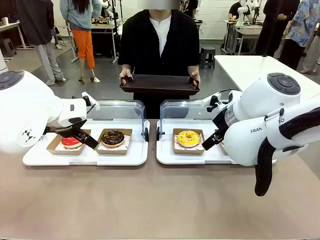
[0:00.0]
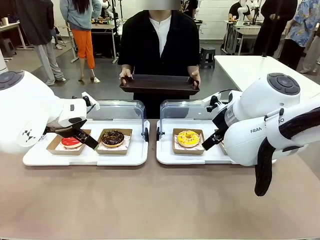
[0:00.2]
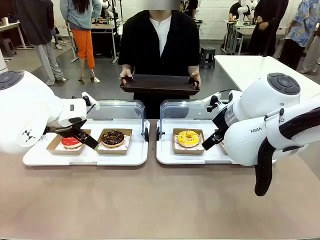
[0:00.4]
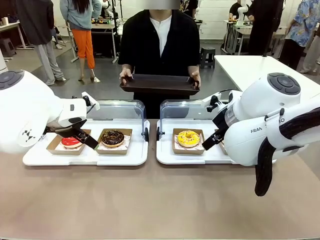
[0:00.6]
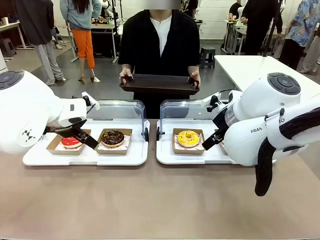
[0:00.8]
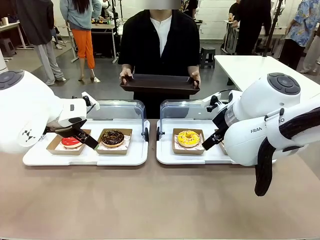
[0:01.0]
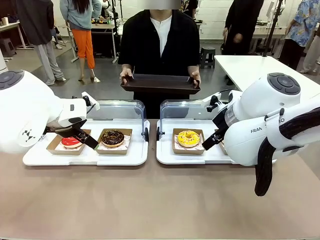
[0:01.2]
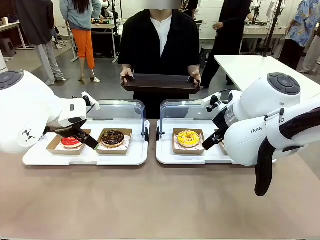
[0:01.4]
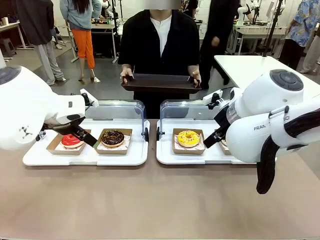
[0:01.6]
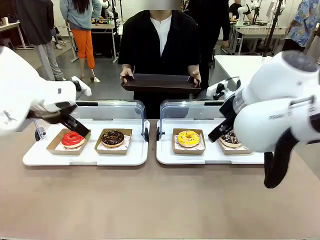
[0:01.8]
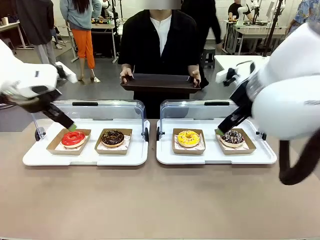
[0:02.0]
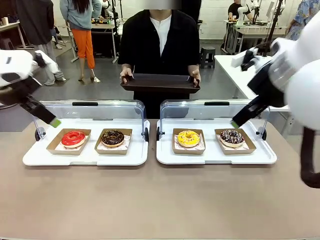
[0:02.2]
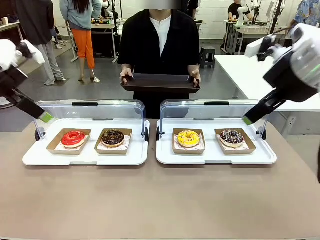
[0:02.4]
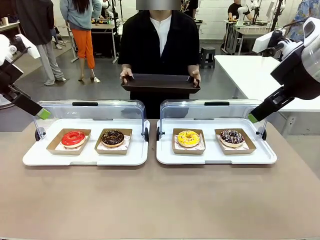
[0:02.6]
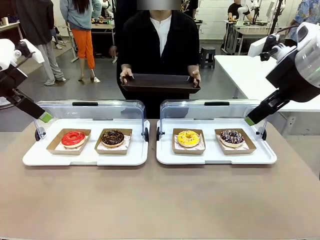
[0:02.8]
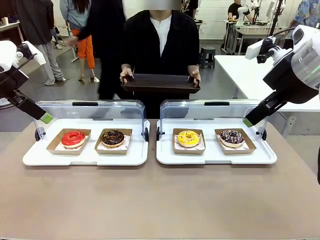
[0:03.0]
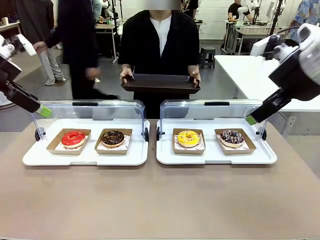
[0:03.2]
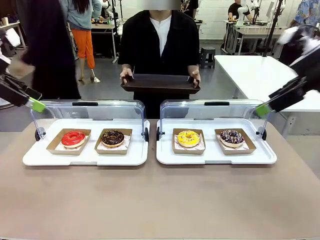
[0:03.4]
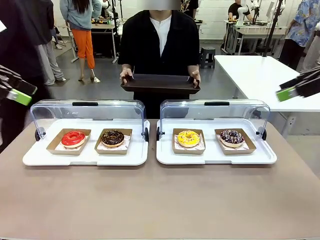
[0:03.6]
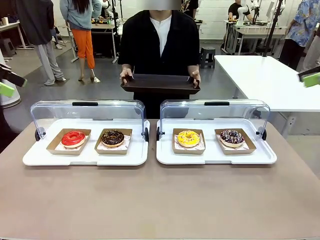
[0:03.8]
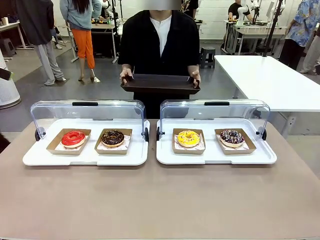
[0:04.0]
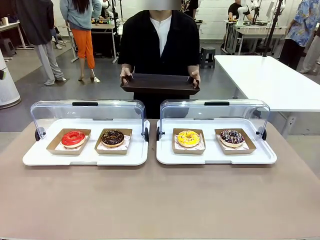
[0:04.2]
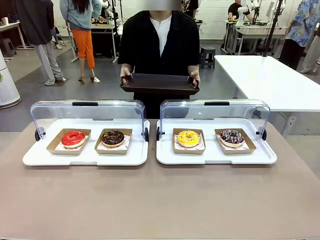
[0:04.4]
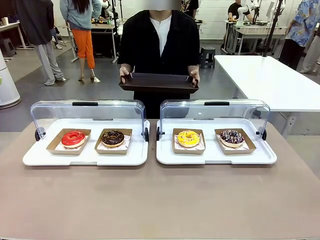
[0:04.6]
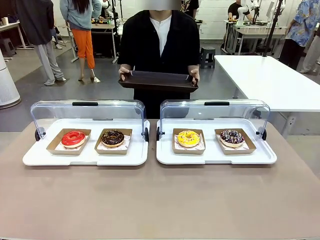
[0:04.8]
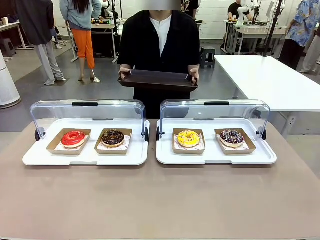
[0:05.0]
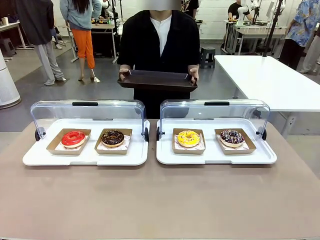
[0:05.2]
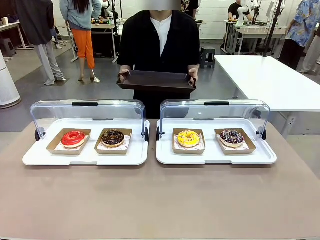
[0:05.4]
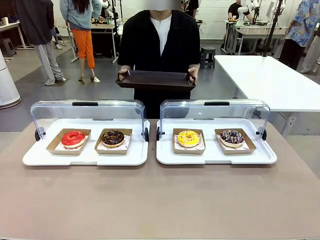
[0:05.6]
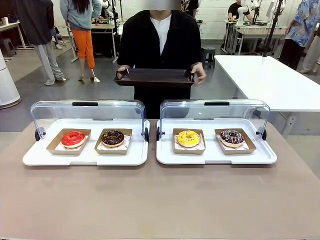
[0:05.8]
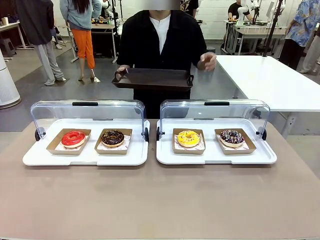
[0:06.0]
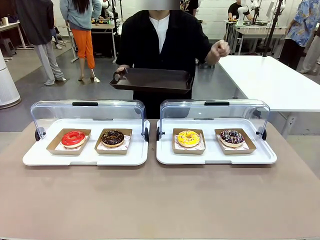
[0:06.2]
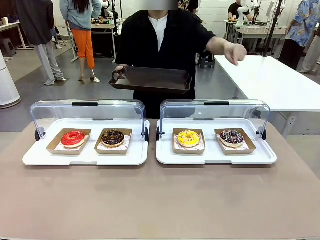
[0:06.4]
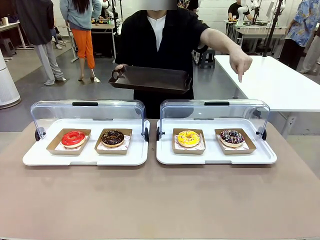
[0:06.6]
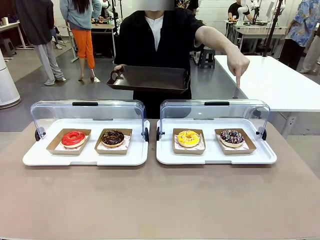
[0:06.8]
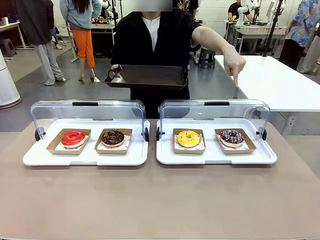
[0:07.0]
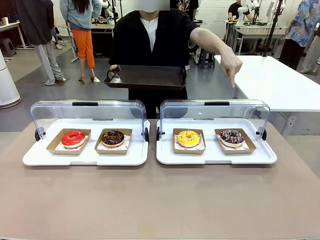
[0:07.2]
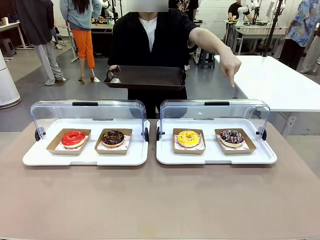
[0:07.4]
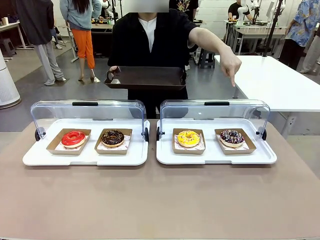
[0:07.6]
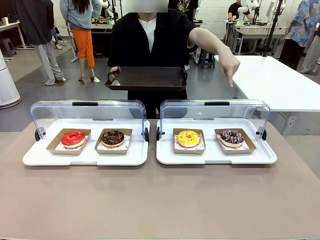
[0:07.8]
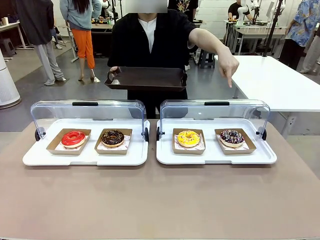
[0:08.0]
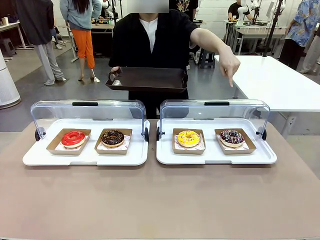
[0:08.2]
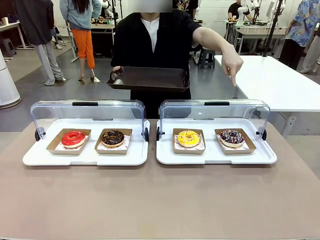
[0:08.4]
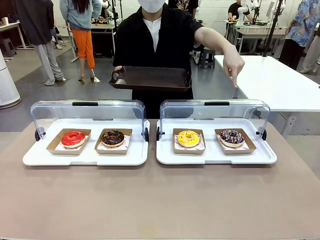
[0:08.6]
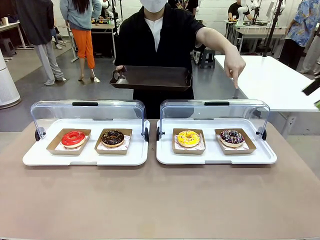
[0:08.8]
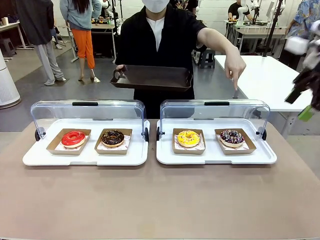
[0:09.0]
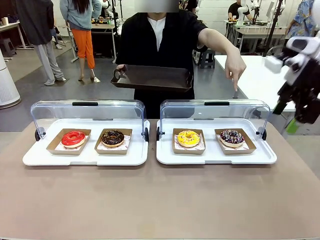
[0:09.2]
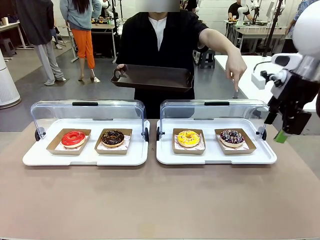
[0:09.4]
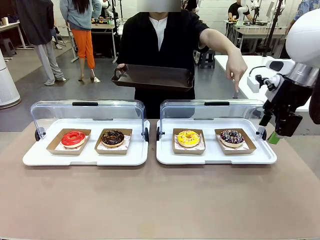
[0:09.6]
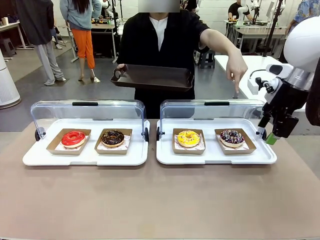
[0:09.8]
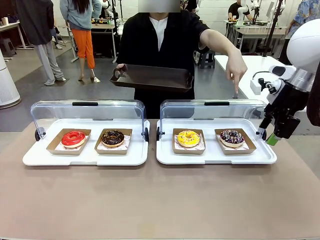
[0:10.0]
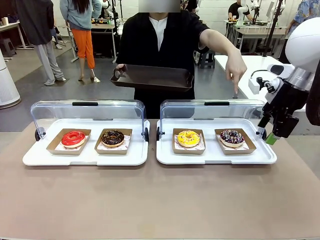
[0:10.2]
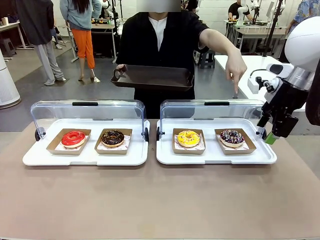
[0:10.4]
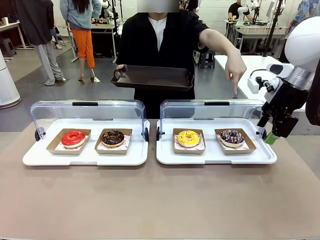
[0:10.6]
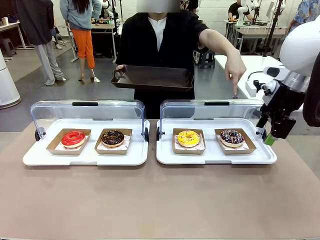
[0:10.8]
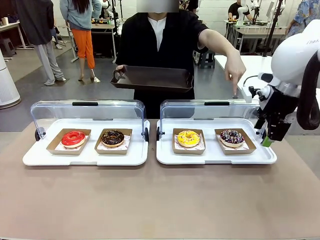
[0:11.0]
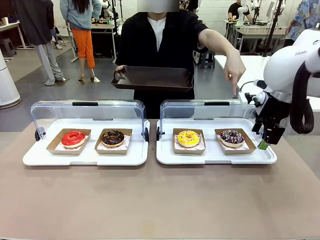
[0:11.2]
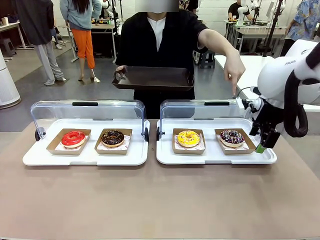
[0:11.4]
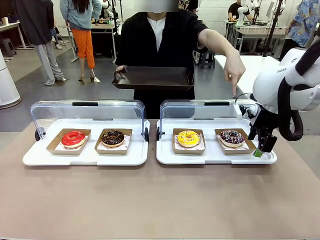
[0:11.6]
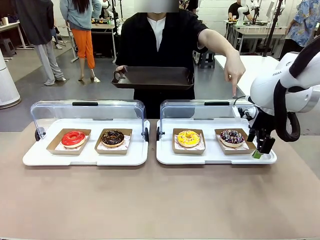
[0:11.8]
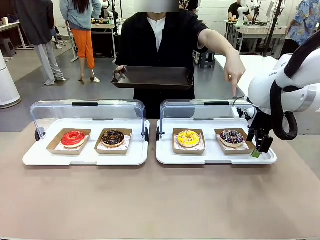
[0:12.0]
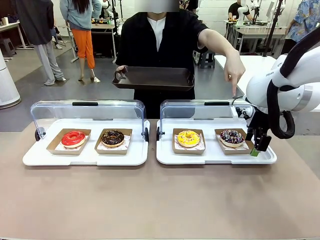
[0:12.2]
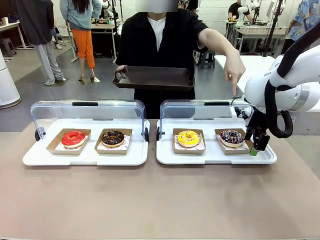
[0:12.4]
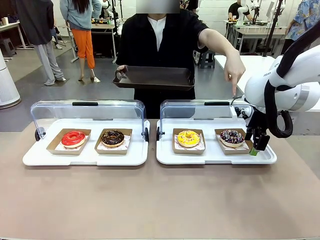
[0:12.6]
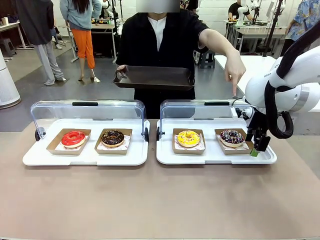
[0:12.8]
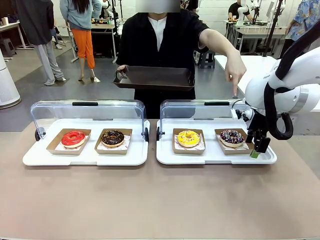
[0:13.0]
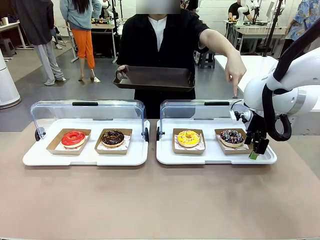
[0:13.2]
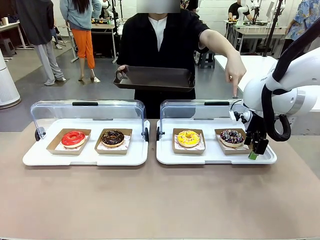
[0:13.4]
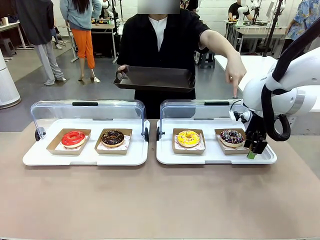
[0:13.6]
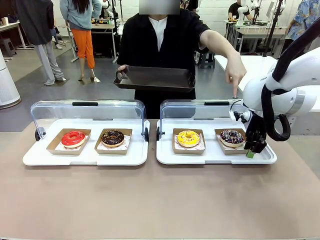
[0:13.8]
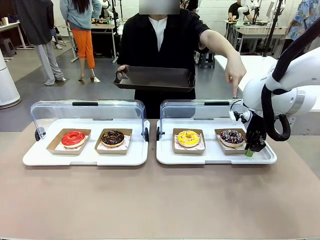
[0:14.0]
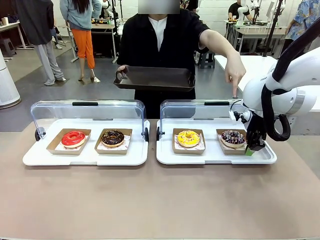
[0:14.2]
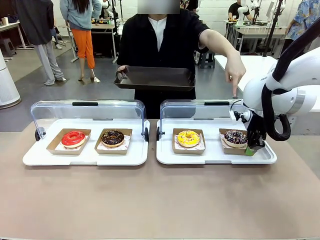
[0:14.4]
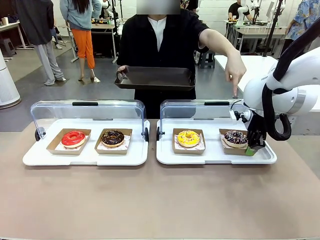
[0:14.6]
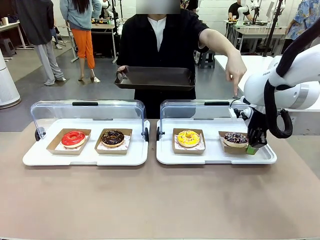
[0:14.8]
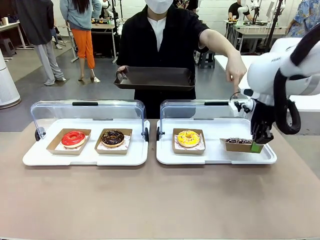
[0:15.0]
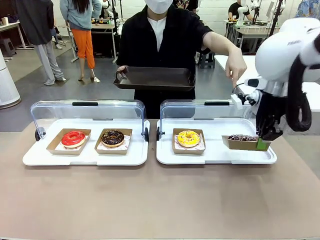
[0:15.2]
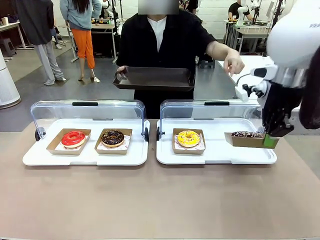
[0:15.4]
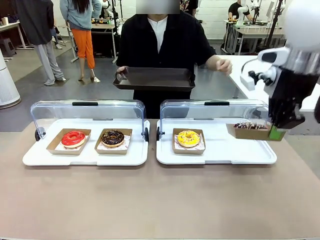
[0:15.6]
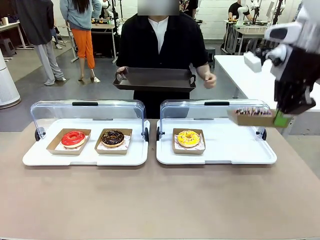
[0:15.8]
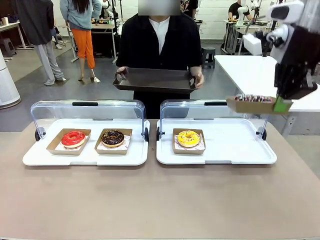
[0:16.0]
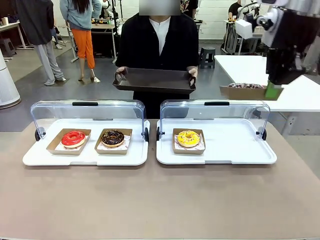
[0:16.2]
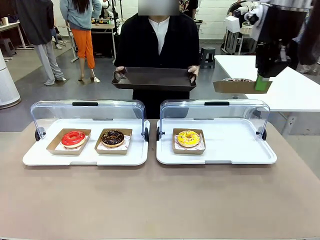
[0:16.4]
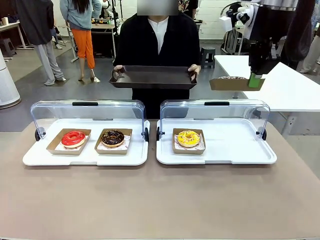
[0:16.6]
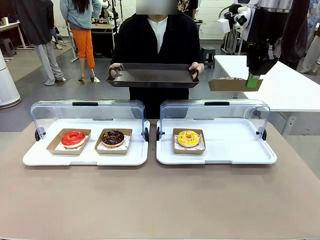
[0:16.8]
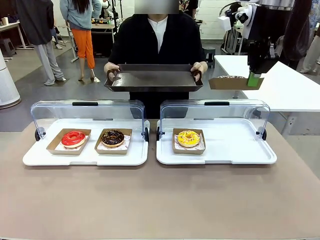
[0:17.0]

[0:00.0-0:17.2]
Task: Provide the desired donut to the person.
Robot: Pick up and lift the Paper togo box containing the Donut pointed at by the person.
Person: Point to one donut. Lift the tray onto the Roll-Top Bakery Case.
